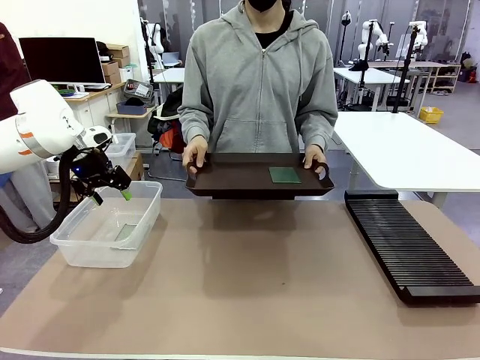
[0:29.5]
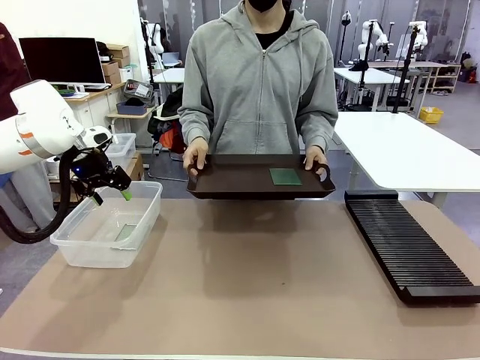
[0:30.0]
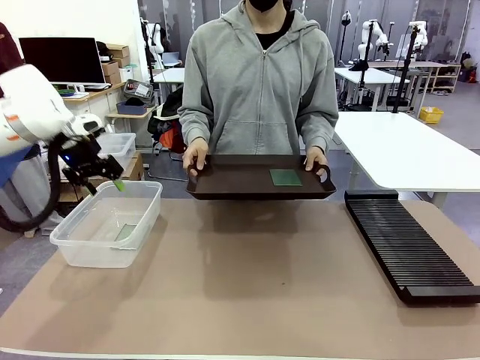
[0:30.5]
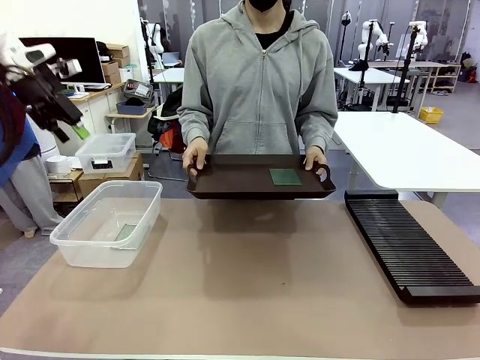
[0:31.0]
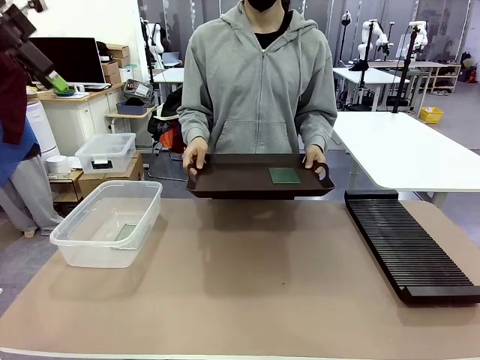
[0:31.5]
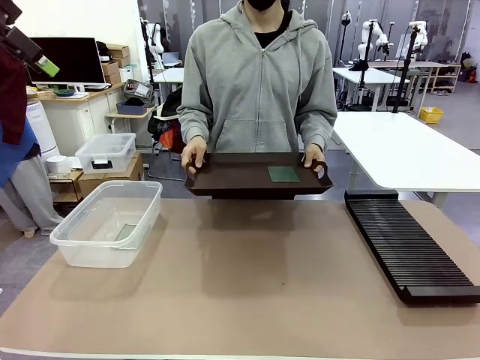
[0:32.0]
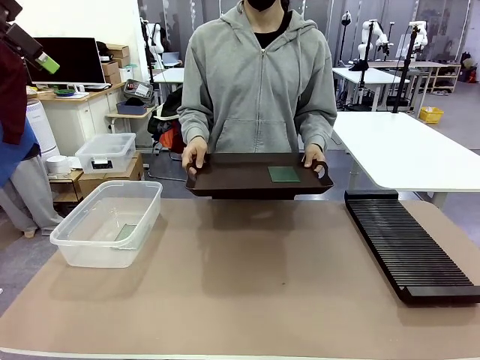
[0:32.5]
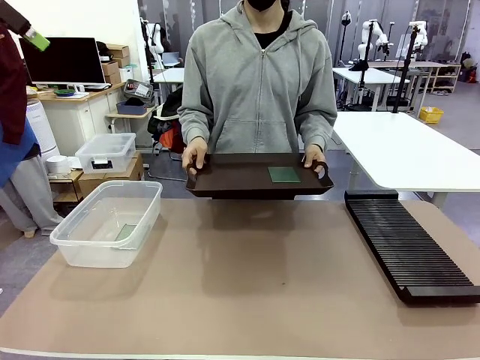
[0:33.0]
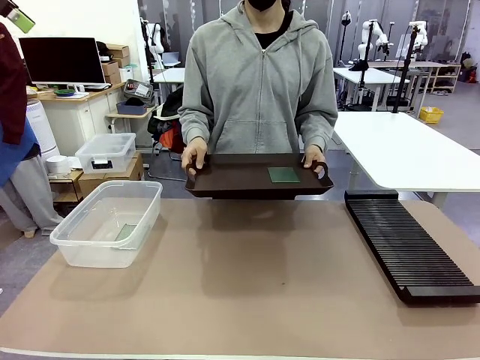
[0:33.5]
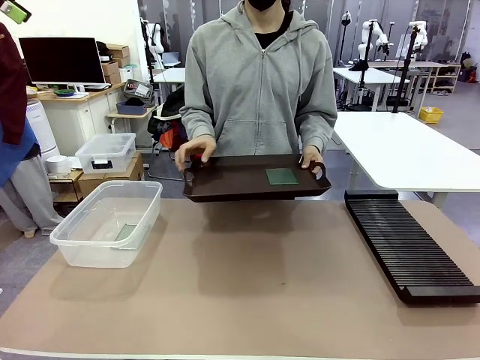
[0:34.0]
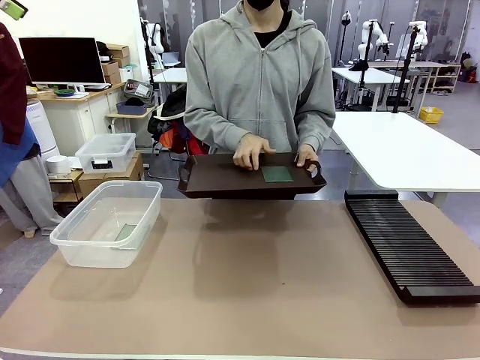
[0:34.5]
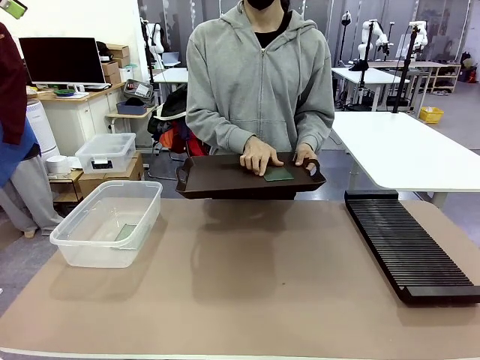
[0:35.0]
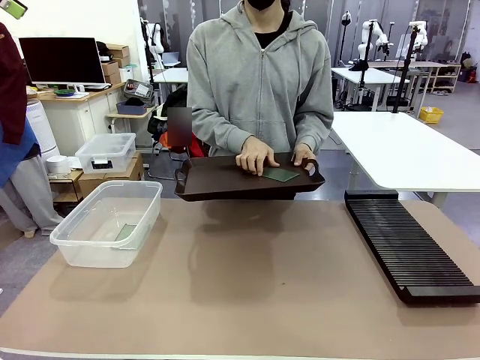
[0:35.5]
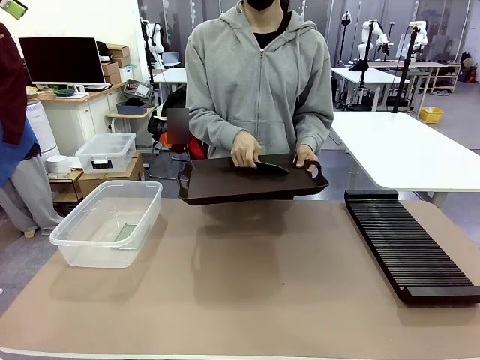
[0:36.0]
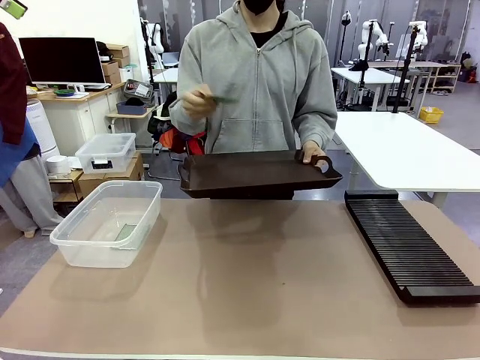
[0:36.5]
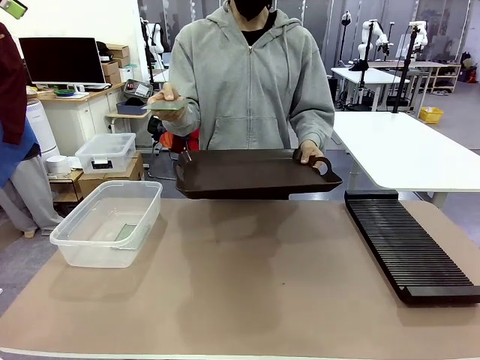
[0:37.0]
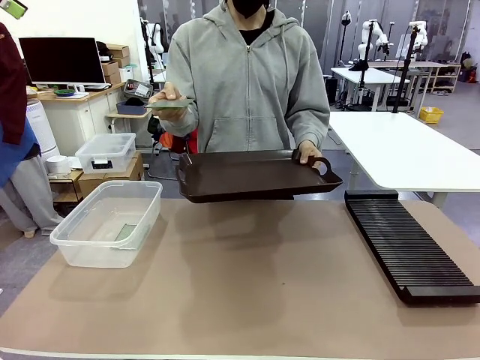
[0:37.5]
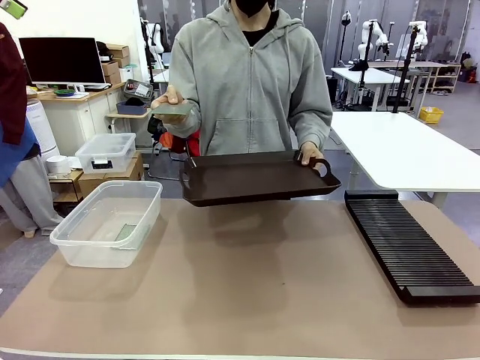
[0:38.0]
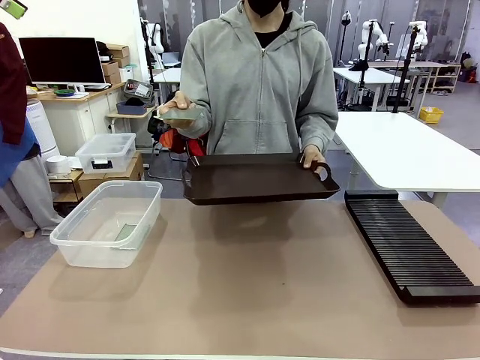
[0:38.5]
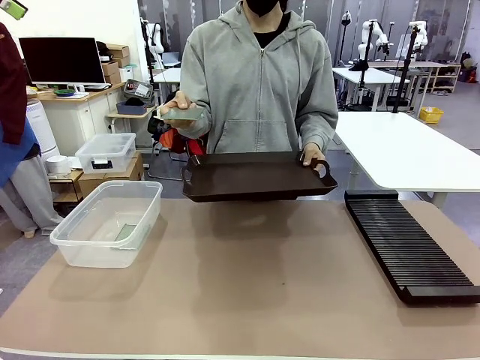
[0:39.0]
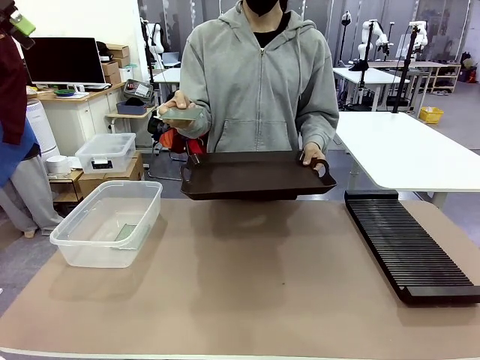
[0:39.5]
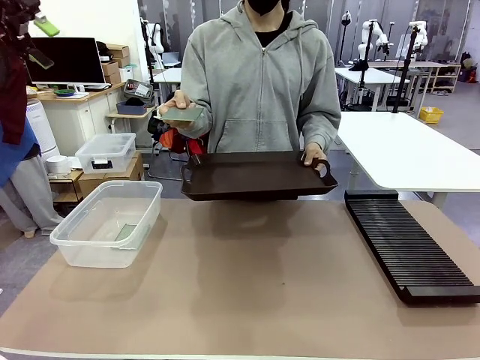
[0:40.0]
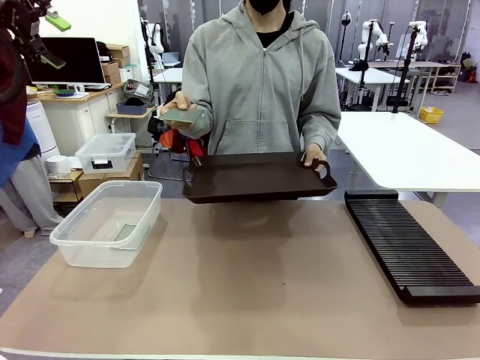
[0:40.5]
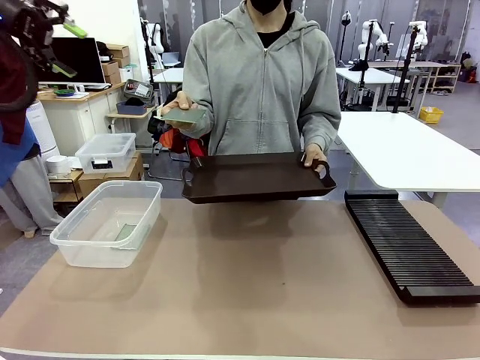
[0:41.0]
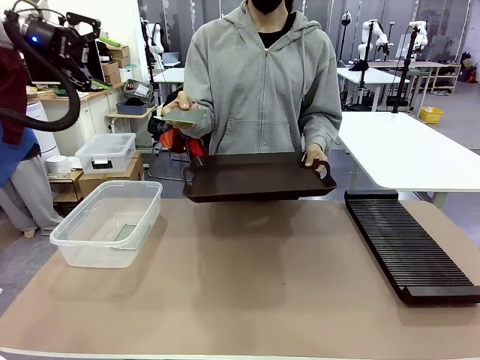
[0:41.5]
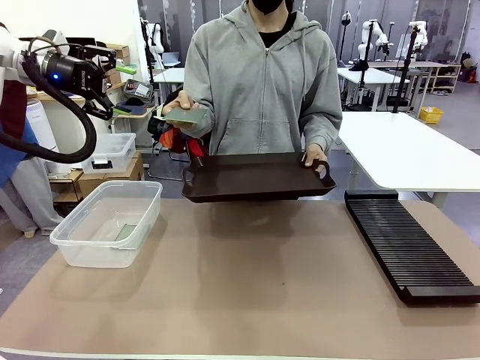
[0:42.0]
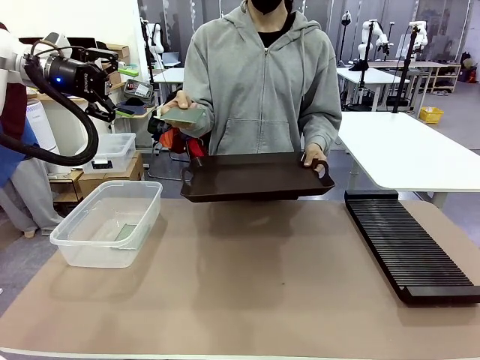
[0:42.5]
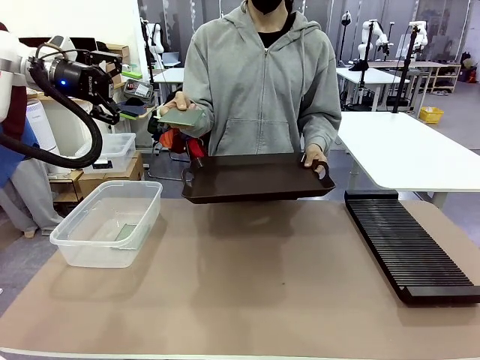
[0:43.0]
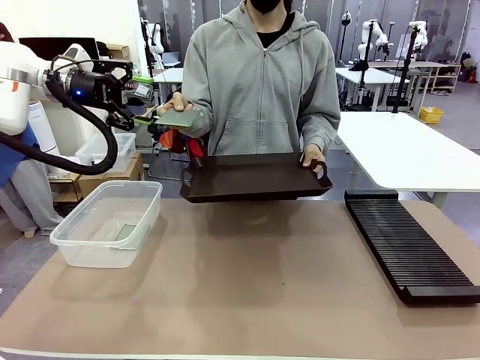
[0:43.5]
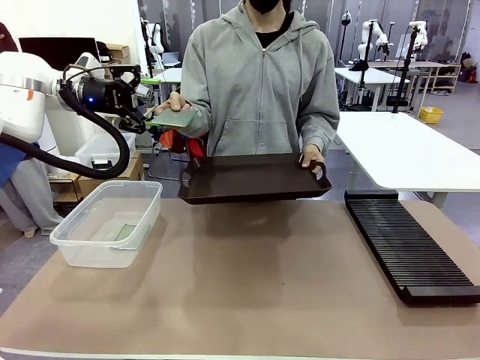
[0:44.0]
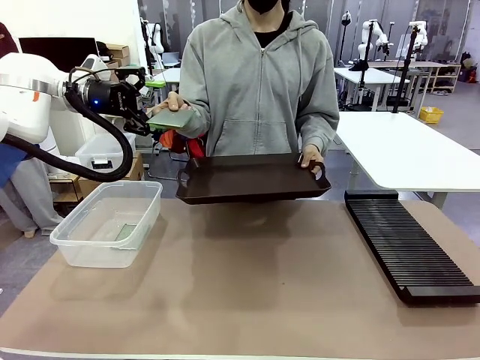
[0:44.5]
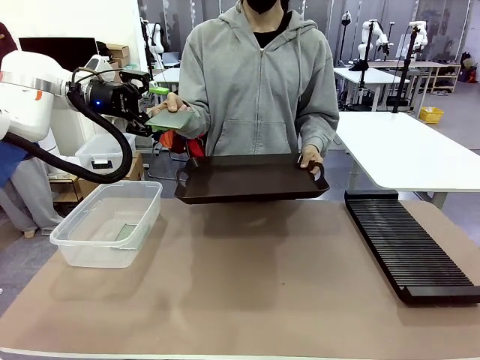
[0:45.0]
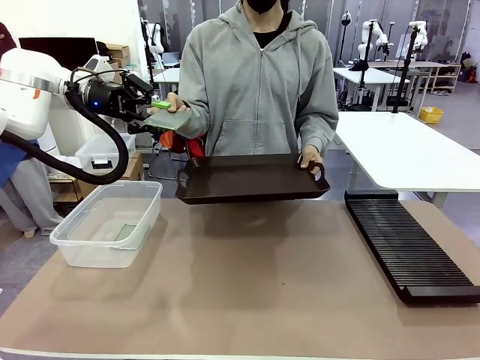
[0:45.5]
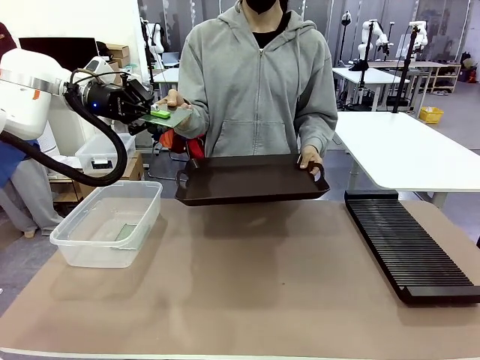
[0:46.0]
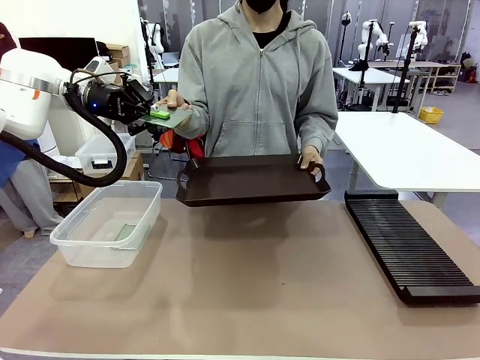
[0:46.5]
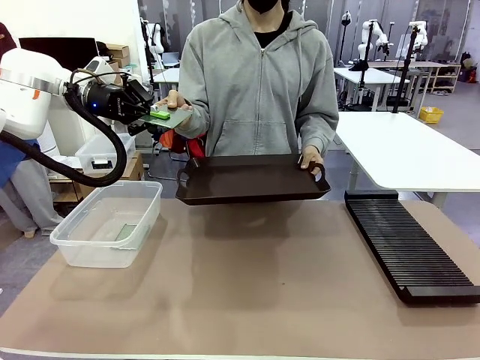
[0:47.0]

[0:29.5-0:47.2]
Task: Sort PCBs into racks and boxes based on the side picked up.
Robot: Pick up the Blank PCB handed by the Human.

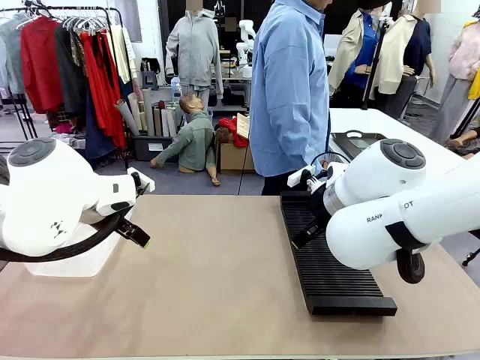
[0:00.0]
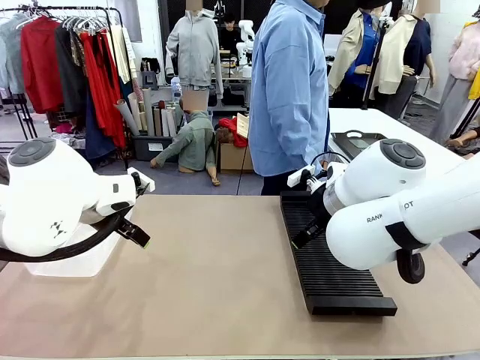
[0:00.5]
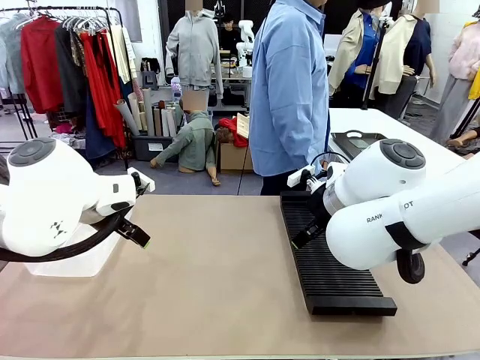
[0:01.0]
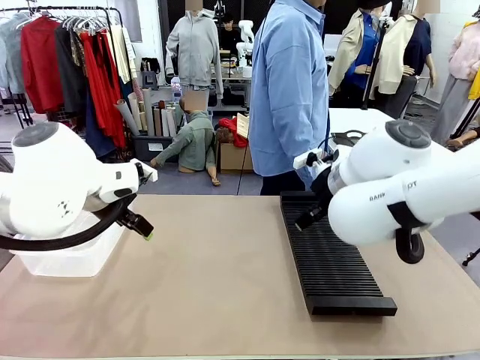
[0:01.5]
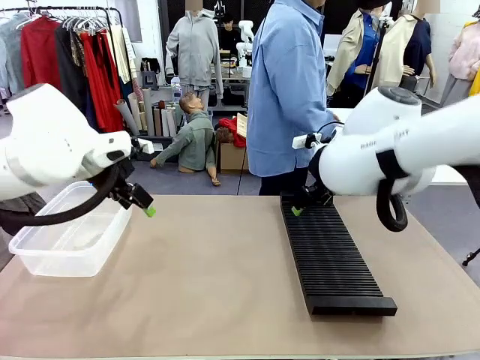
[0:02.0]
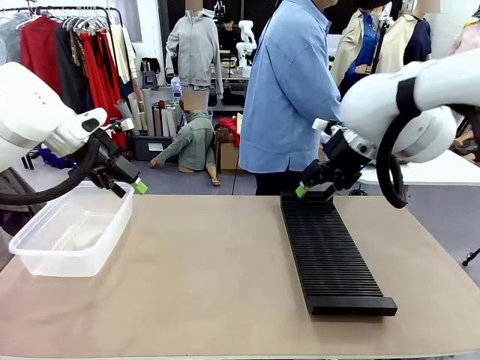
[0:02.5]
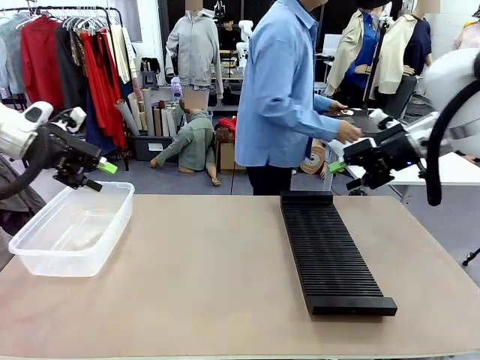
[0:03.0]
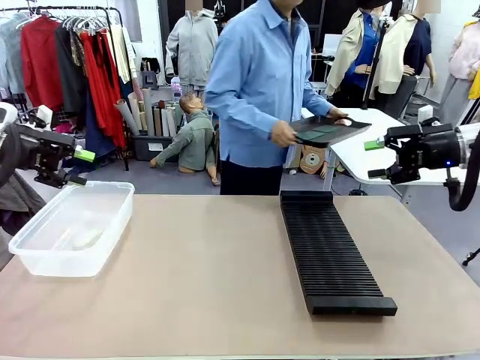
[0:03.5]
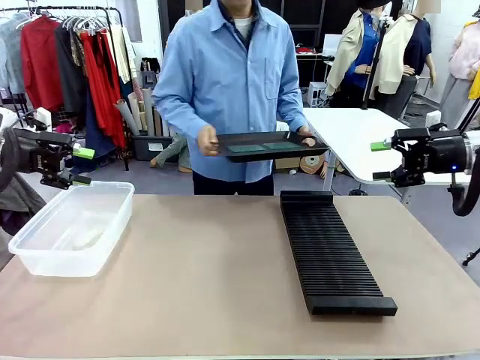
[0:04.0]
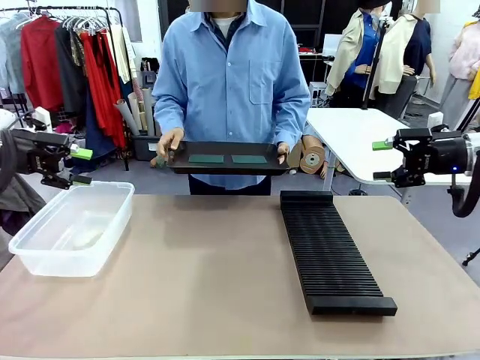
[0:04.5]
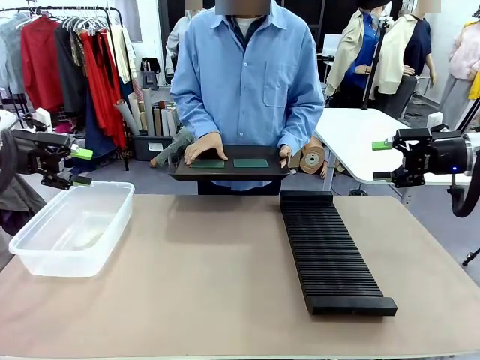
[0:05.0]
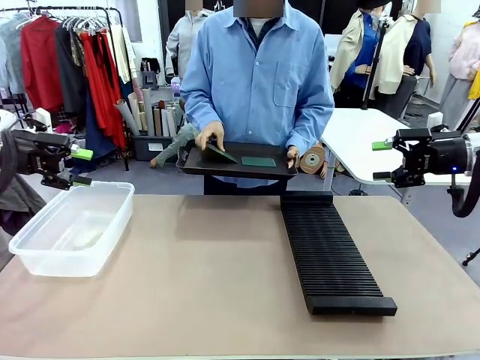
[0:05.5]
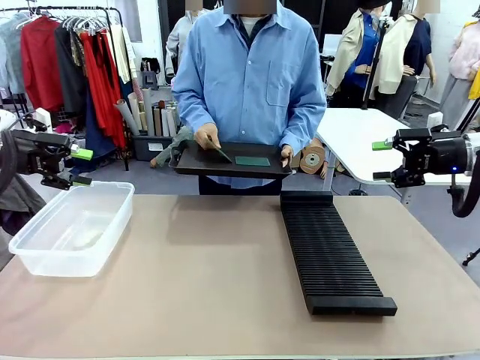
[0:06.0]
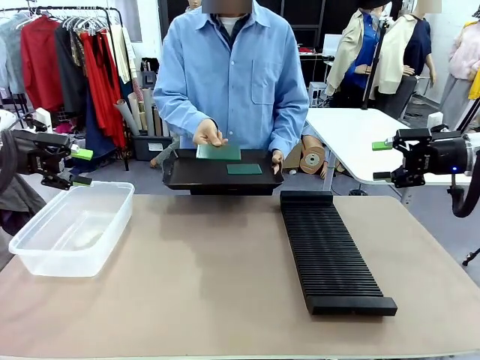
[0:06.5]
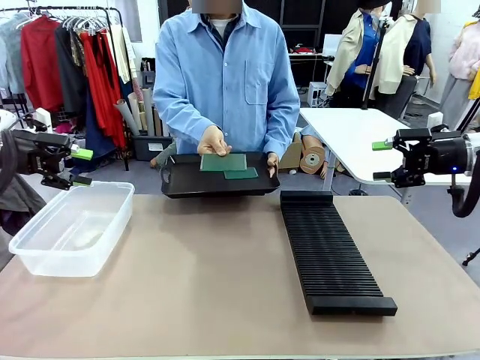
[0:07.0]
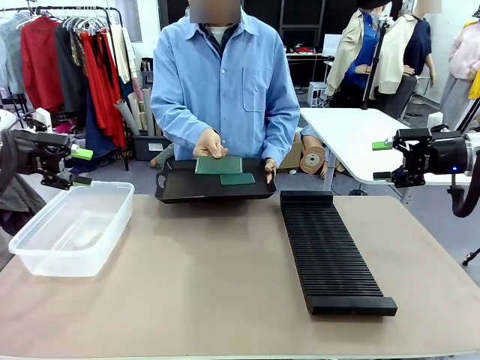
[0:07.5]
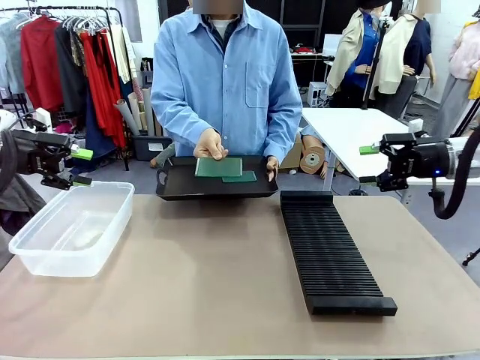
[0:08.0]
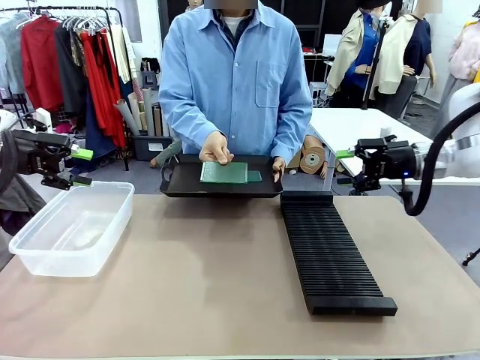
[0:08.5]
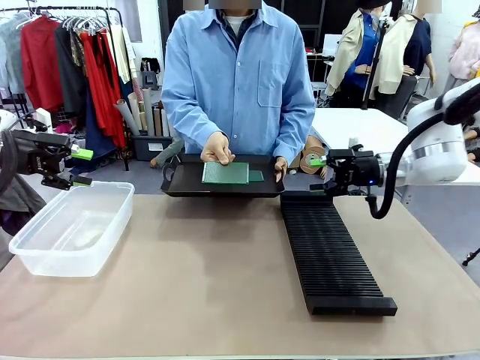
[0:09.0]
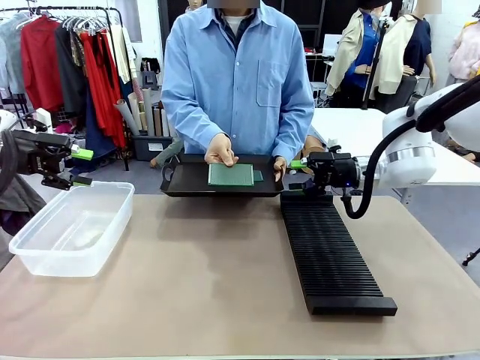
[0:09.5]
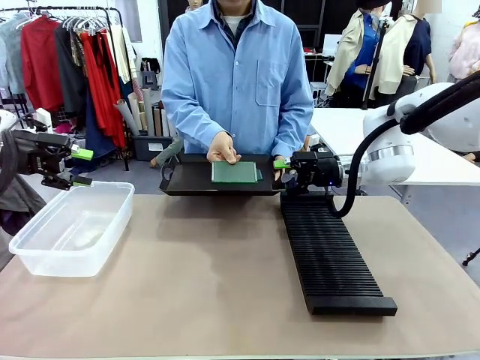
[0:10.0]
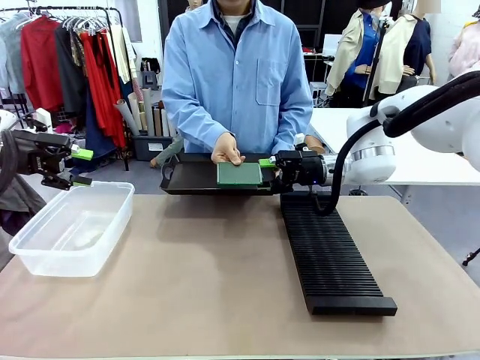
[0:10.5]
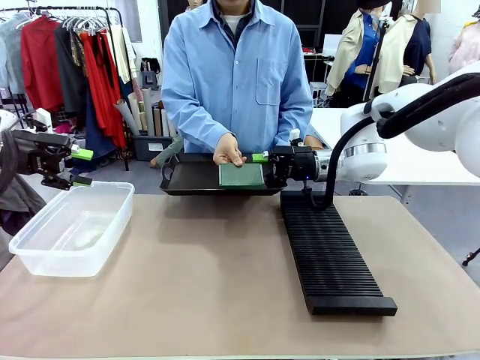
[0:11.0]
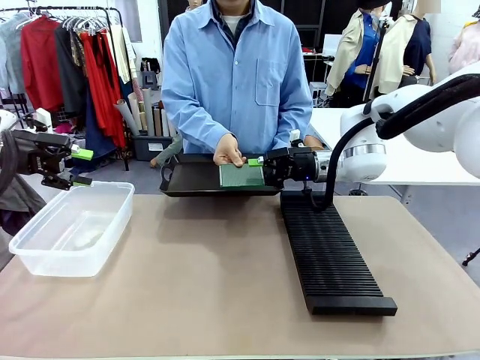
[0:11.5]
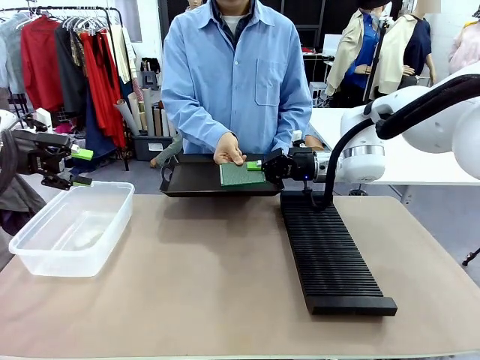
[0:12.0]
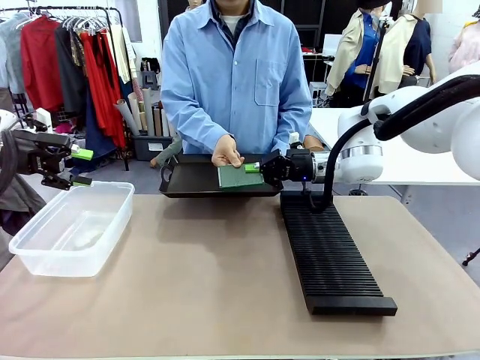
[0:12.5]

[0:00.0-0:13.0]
Task: Sort PCBs into racks and boxes based on the side picked up.
Robot: Pick up the Blank PCB handed by the Human.
Person: Pick one PCB from the tray and present it to the robot. Release the PCB being held.
